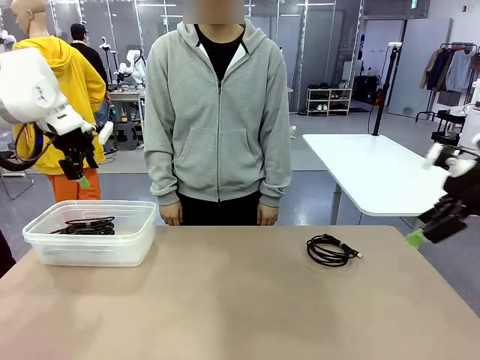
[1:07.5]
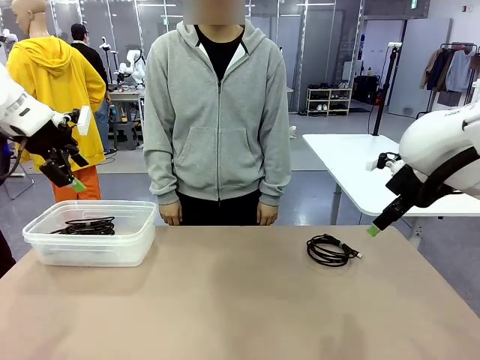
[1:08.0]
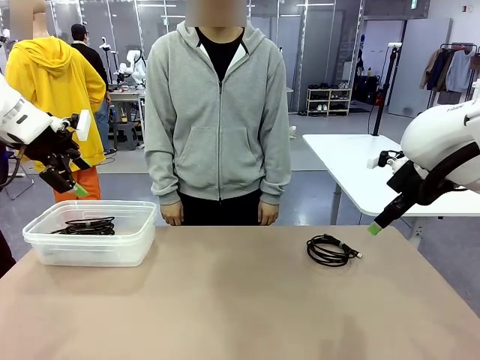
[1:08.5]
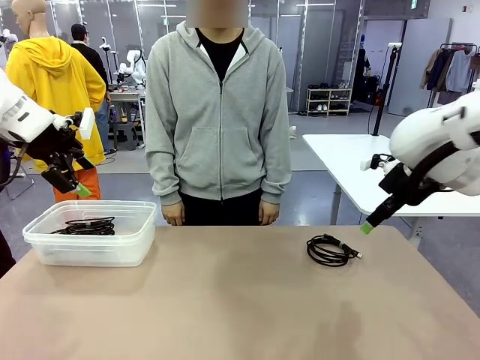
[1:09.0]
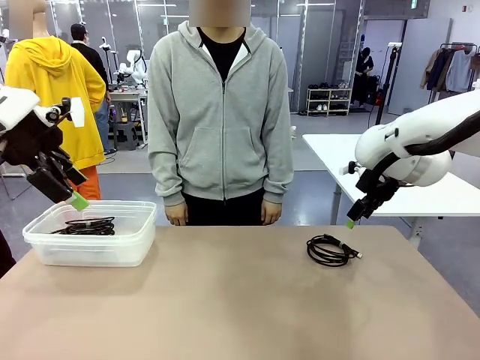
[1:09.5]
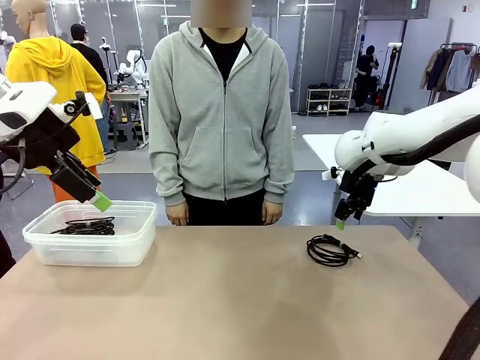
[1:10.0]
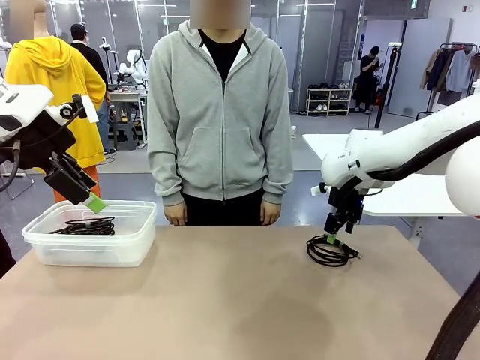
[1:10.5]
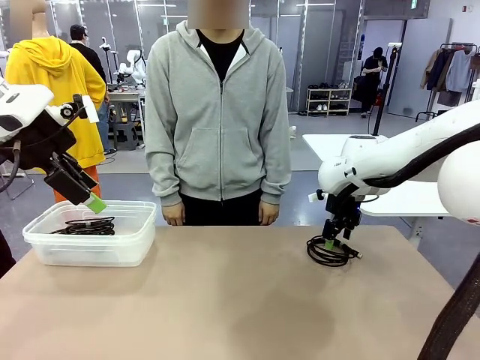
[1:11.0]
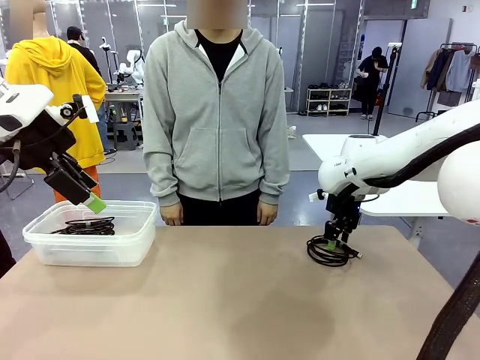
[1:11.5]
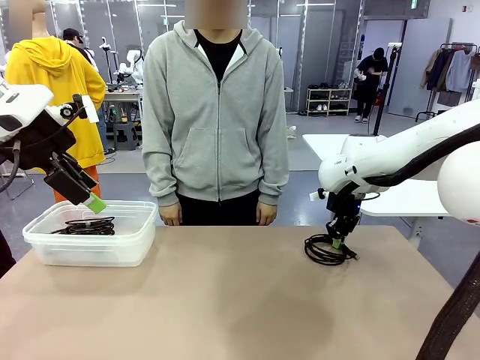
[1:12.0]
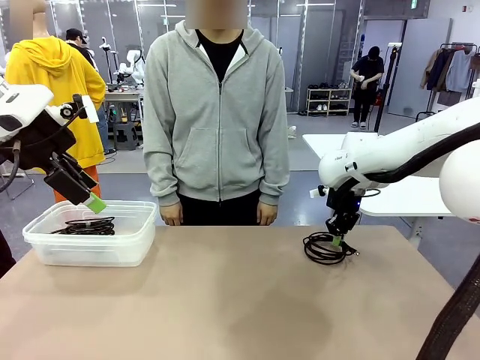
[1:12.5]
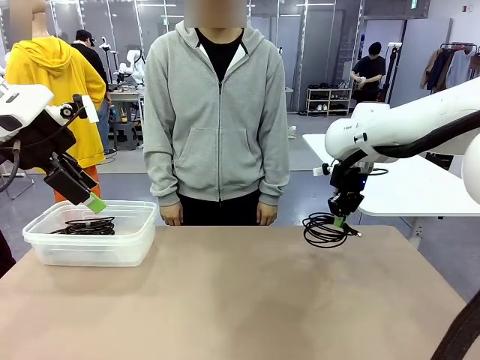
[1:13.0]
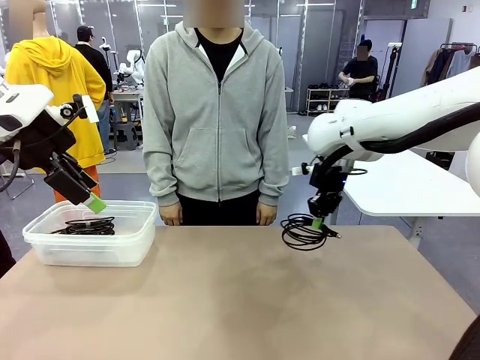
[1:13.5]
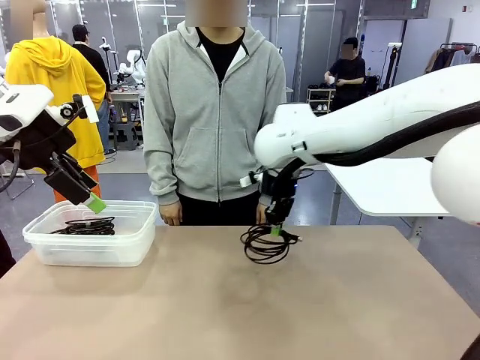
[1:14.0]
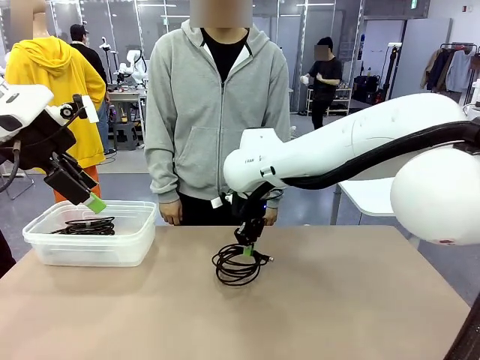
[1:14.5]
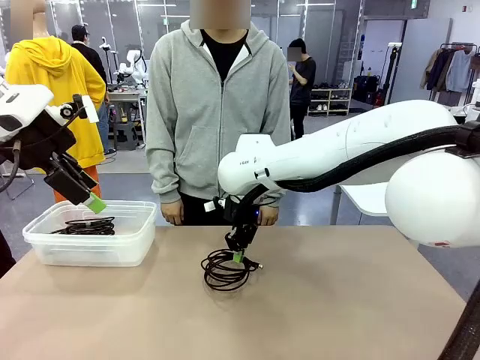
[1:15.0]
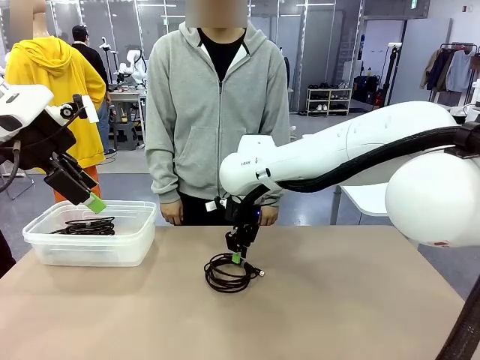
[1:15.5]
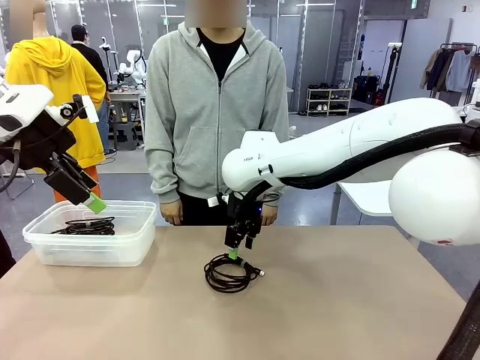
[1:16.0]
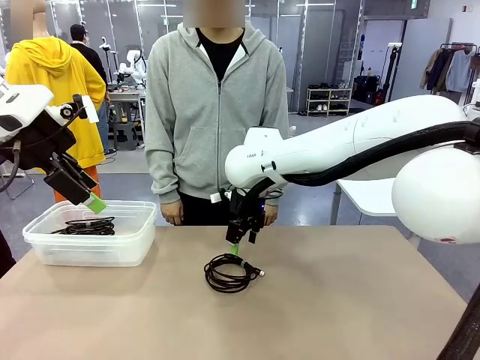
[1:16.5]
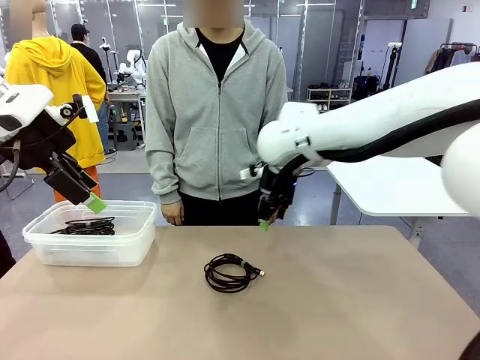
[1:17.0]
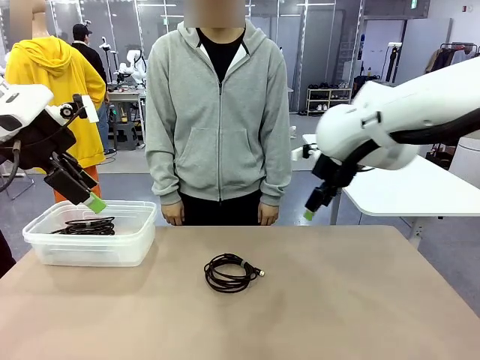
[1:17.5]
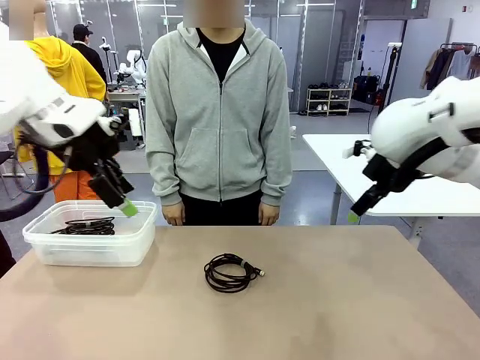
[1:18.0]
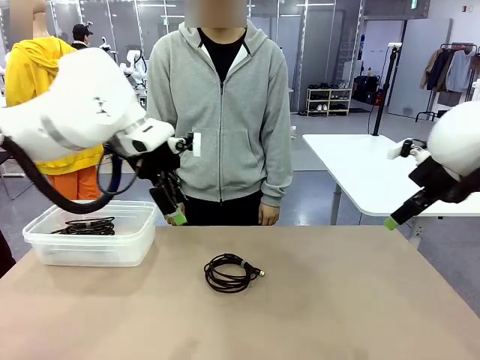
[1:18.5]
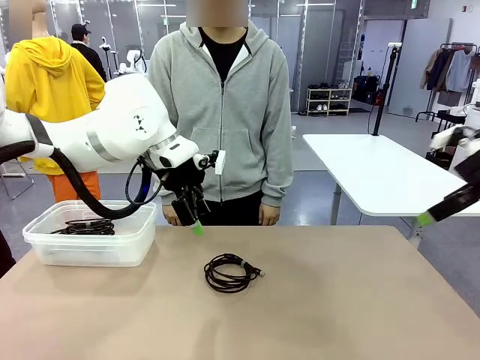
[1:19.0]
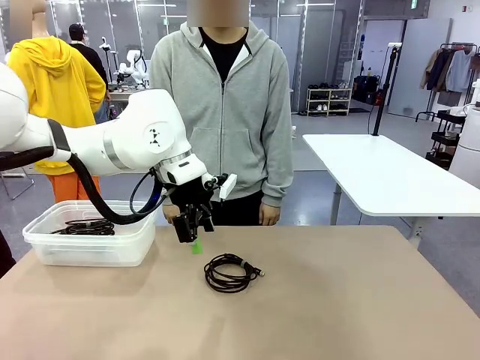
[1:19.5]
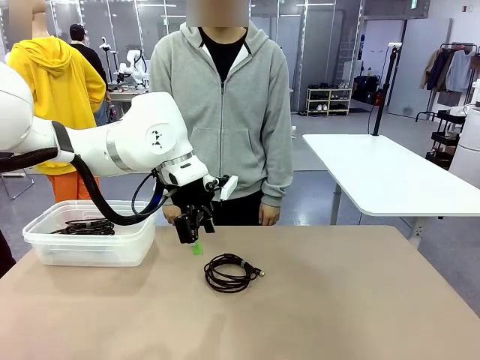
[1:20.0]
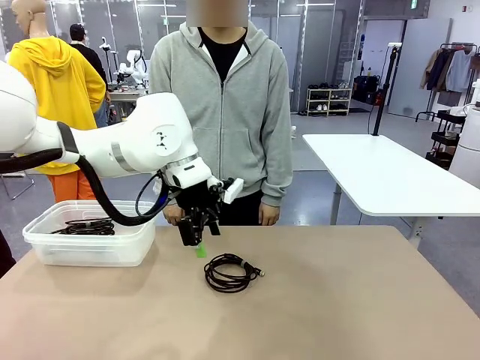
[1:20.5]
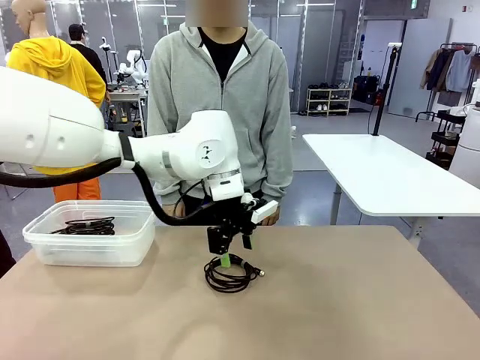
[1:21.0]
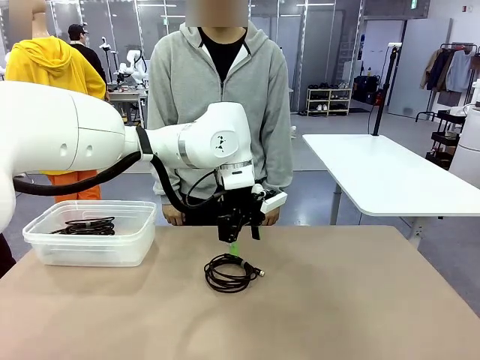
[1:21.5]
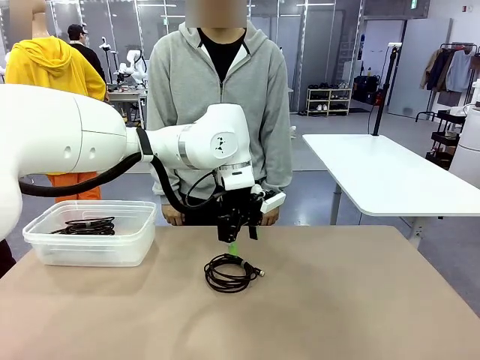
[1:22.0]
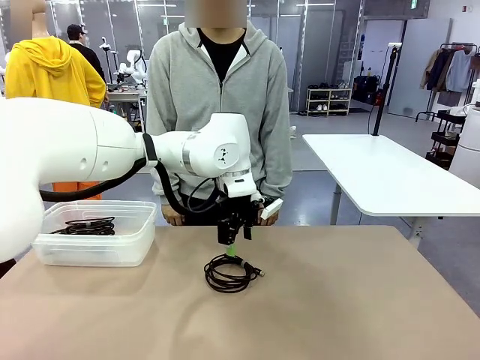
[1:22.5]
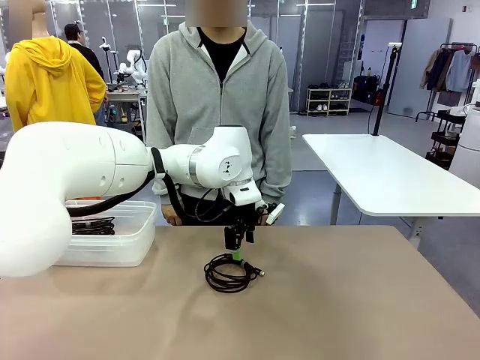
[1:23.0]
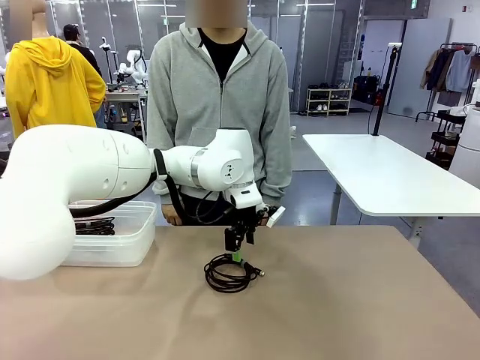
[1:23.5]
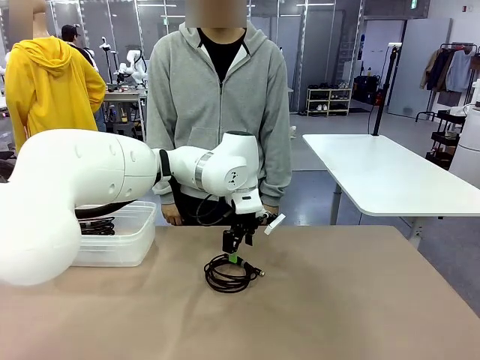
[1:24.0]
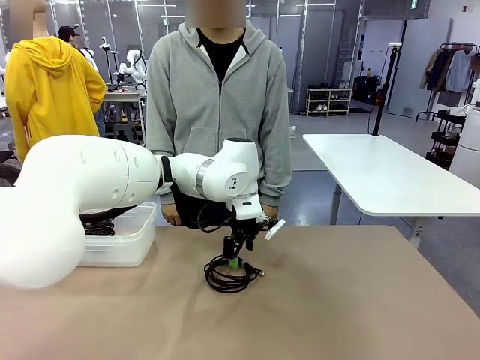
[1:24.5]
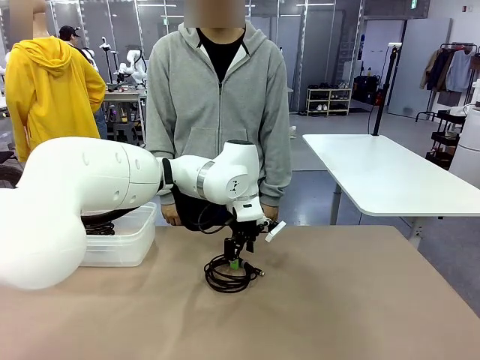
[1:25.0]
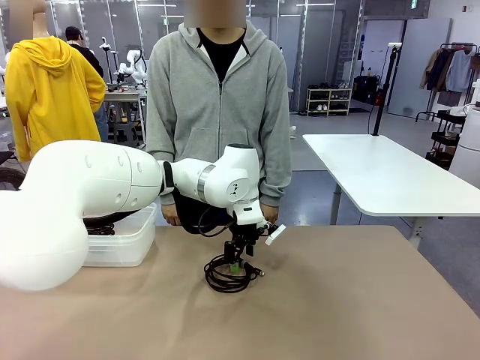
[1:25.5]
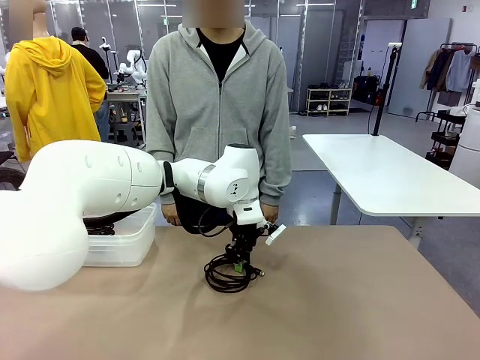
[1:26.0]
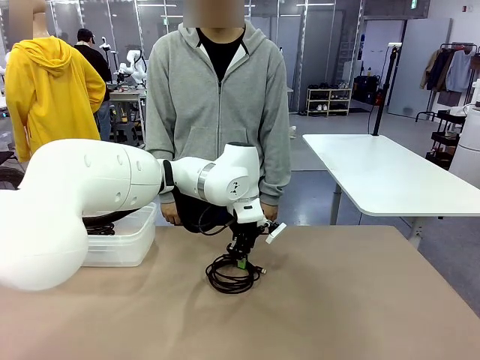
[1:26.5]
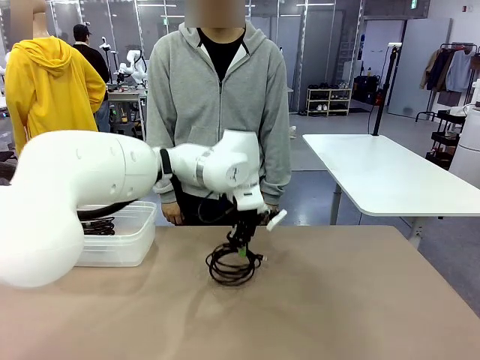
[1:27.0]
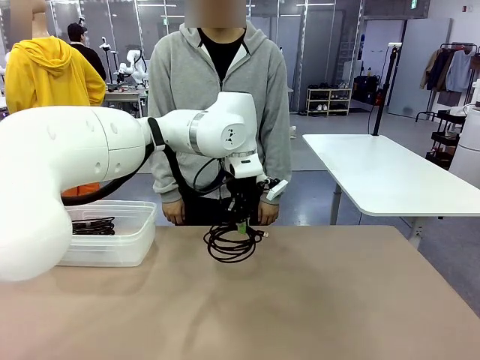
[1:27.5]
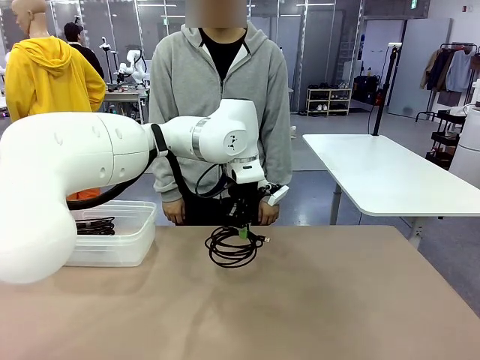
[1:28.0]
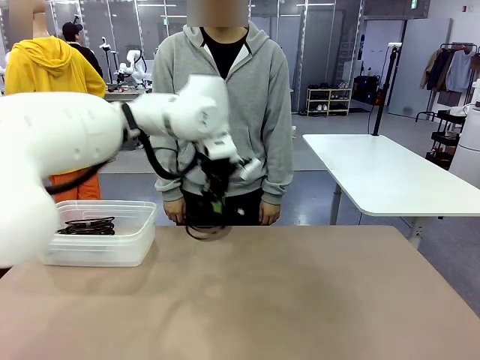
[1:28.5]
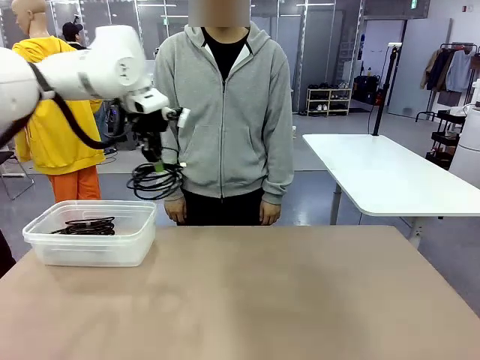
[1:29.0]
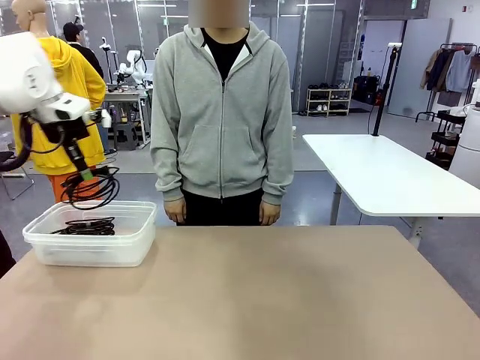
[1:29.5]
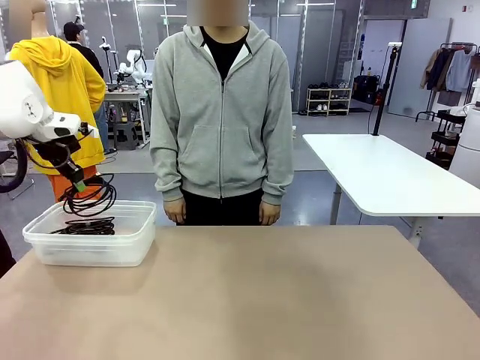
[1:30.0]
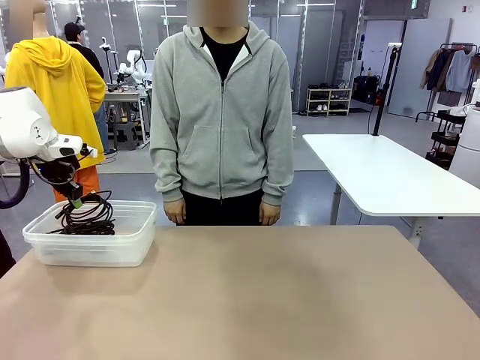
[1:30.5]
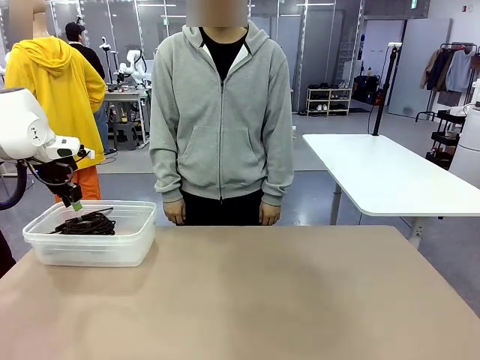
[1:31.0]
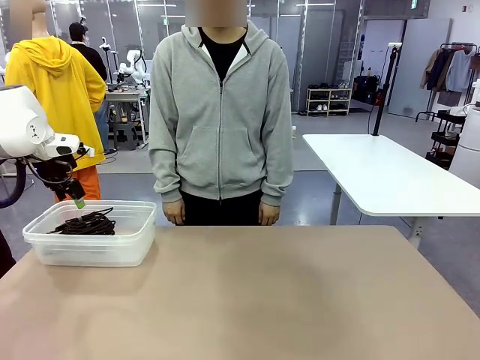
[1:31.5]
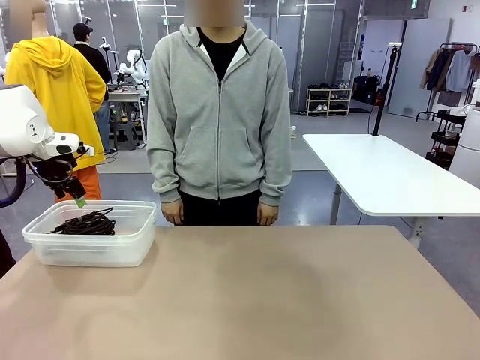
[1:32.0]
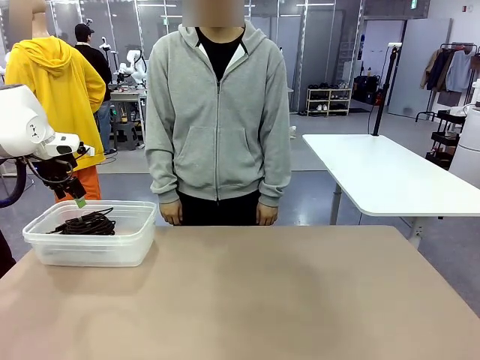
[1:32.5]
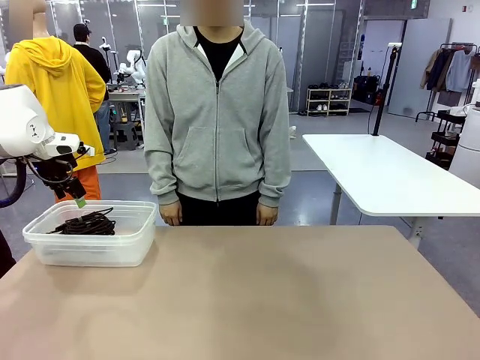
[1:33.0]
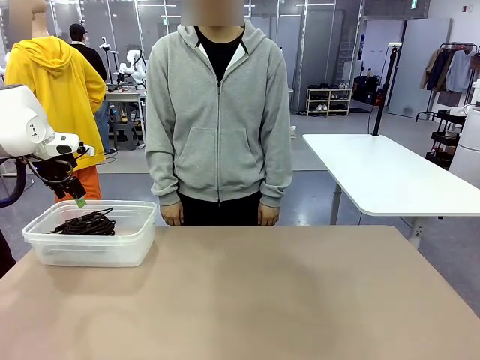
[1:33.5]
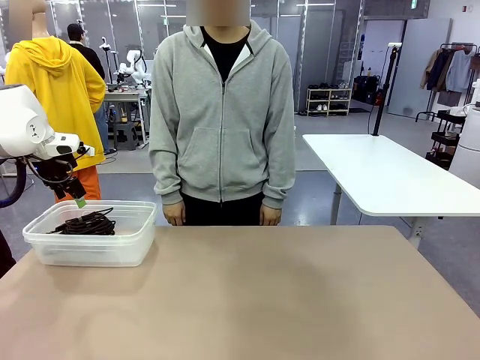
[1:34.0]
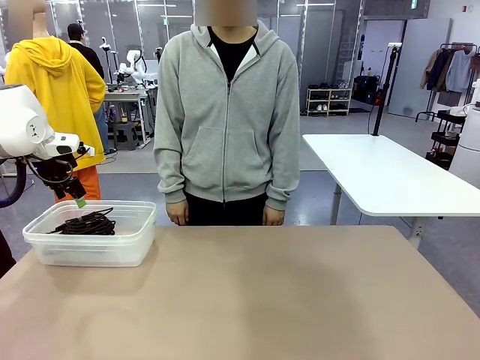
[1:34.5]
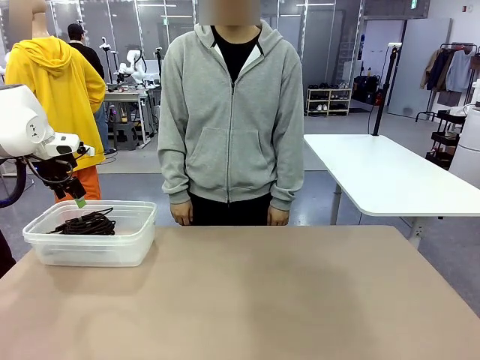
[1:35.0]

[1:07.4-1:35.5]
Task: Organize and store the cables.
Robot: Place the USB Extension Cable into the Organizing box.
